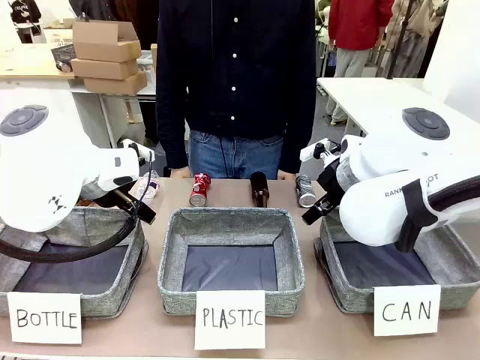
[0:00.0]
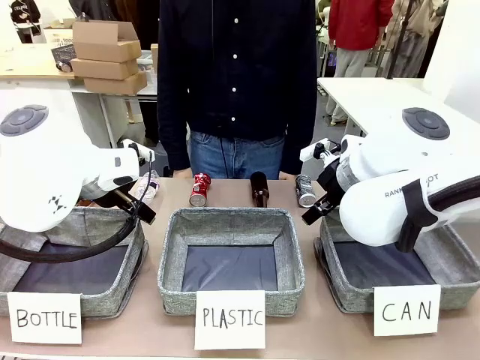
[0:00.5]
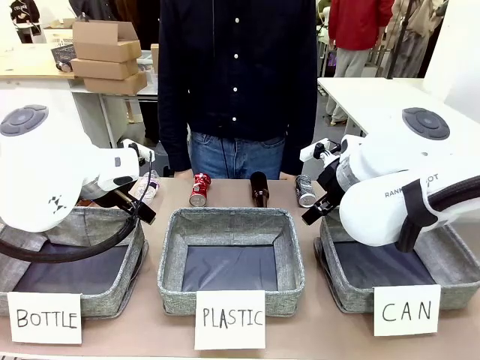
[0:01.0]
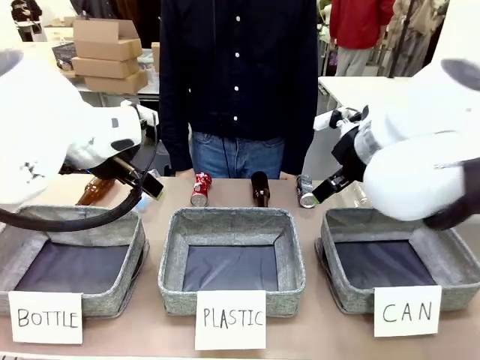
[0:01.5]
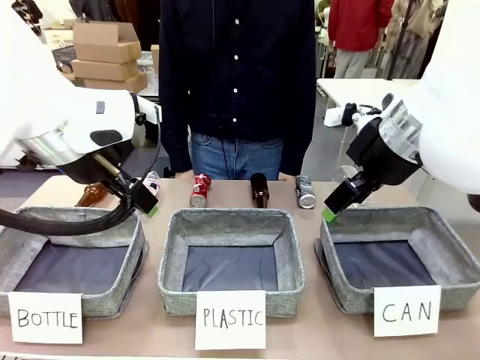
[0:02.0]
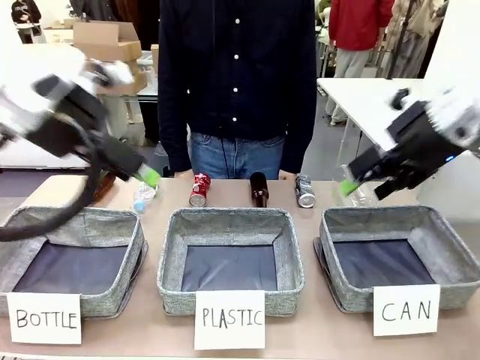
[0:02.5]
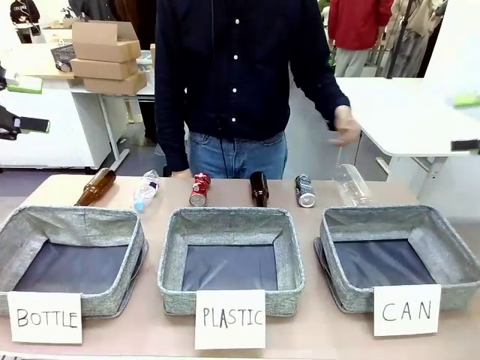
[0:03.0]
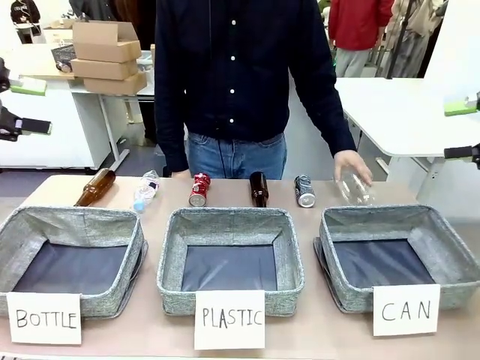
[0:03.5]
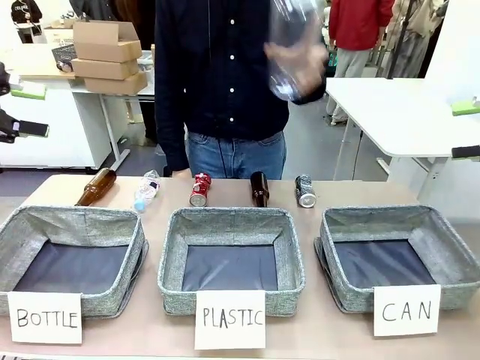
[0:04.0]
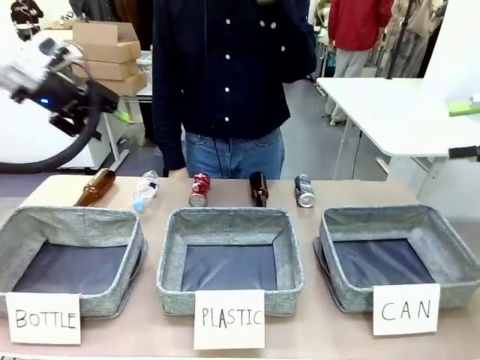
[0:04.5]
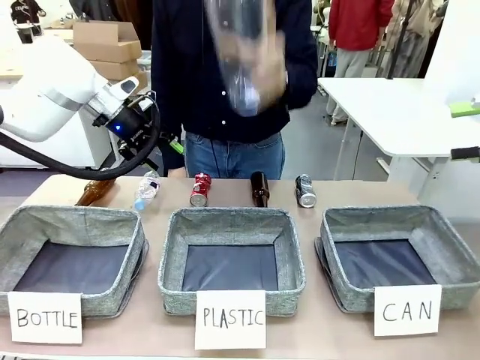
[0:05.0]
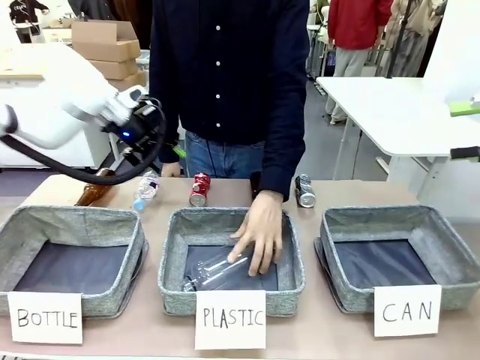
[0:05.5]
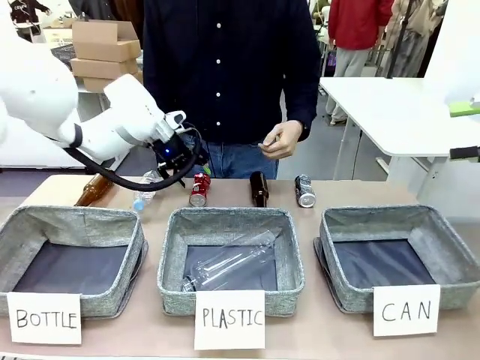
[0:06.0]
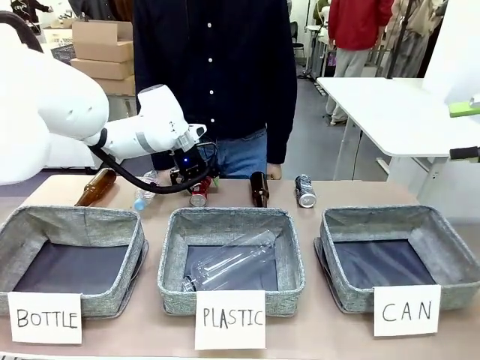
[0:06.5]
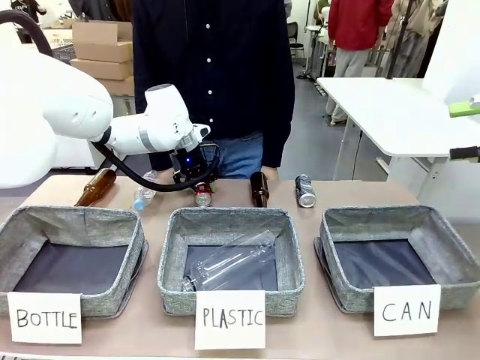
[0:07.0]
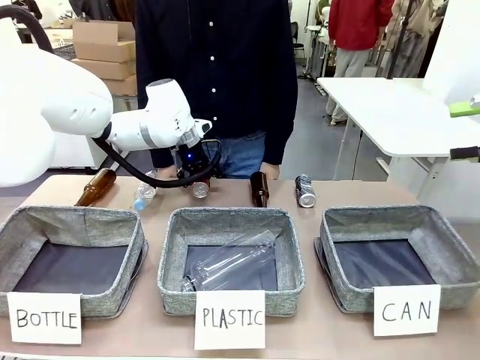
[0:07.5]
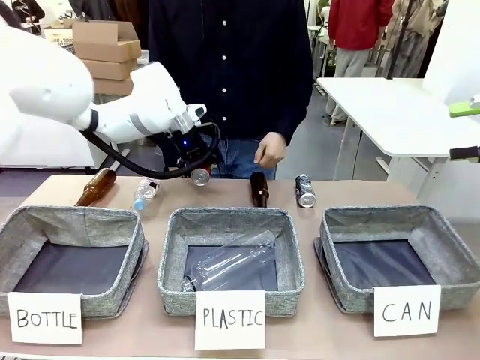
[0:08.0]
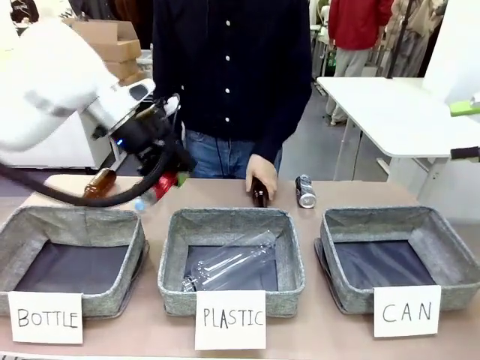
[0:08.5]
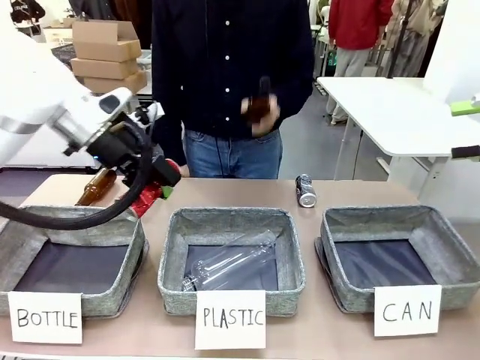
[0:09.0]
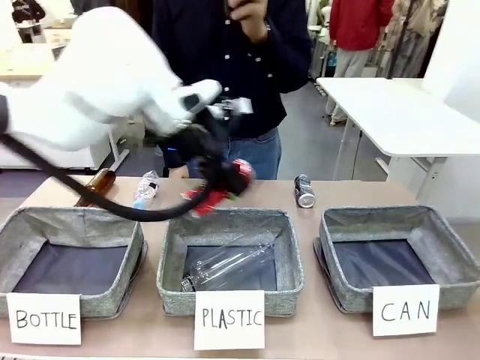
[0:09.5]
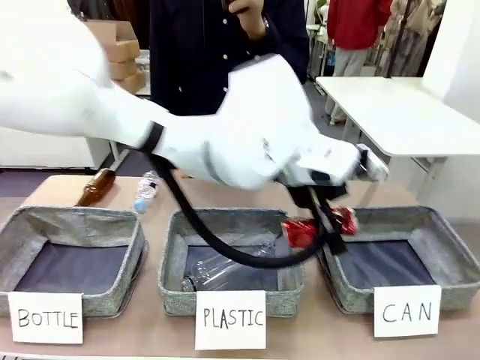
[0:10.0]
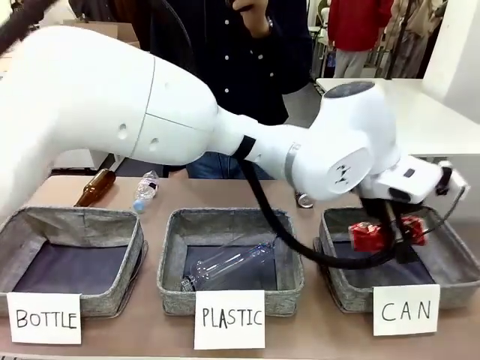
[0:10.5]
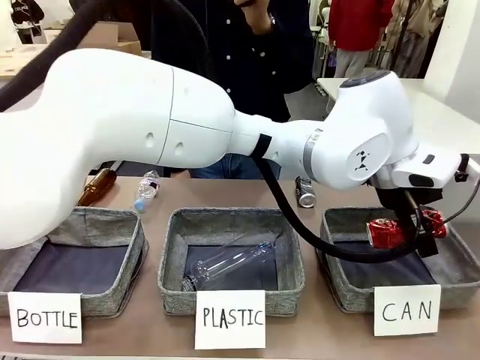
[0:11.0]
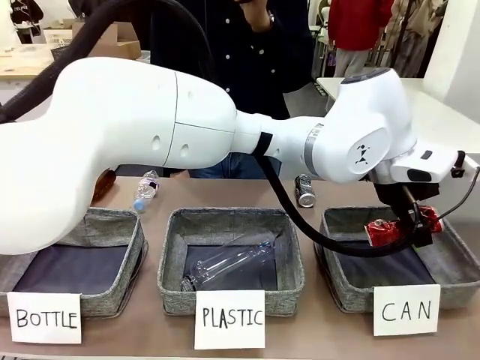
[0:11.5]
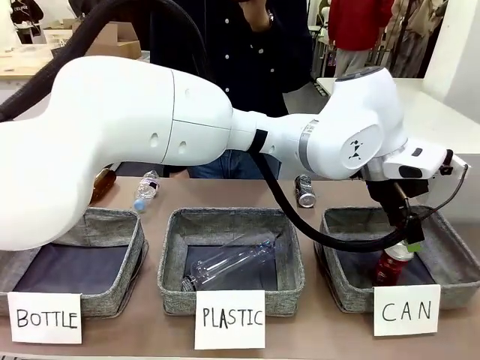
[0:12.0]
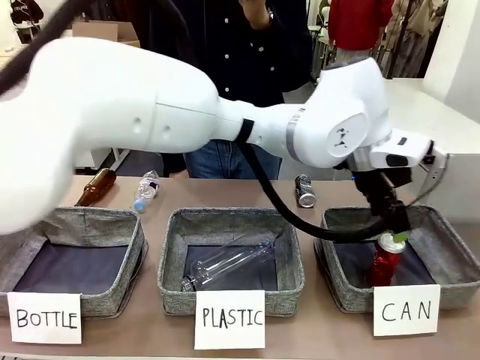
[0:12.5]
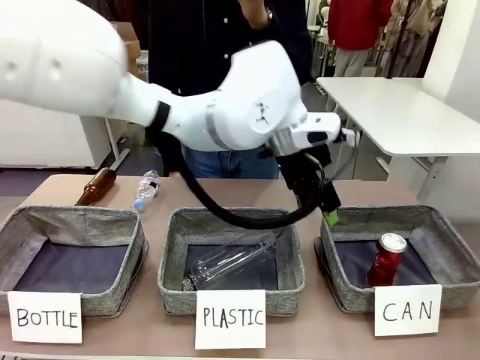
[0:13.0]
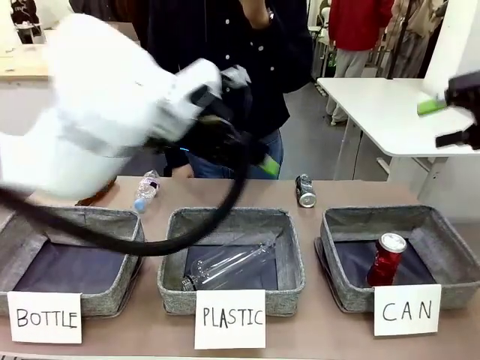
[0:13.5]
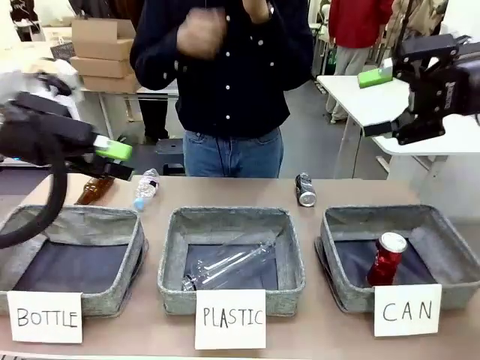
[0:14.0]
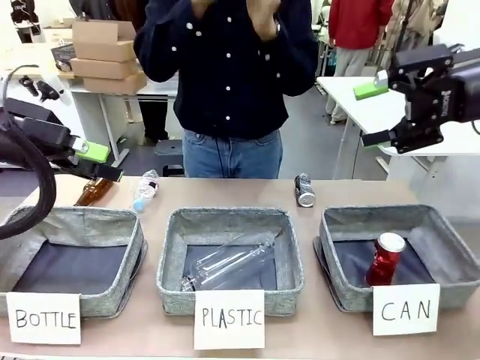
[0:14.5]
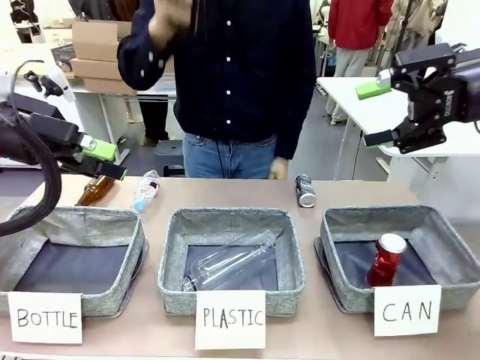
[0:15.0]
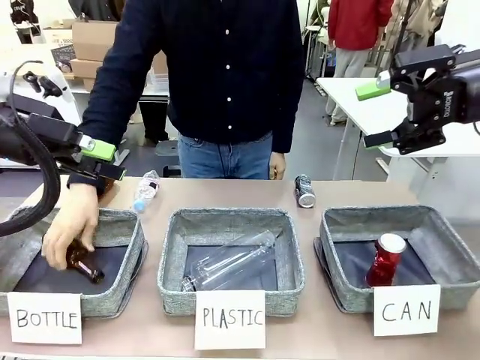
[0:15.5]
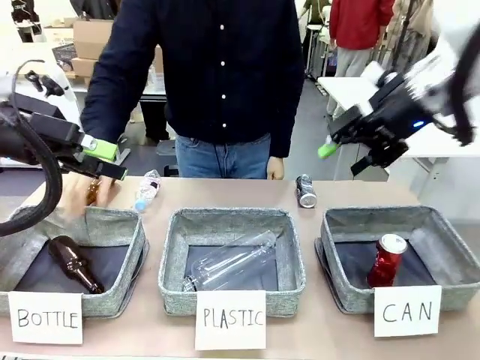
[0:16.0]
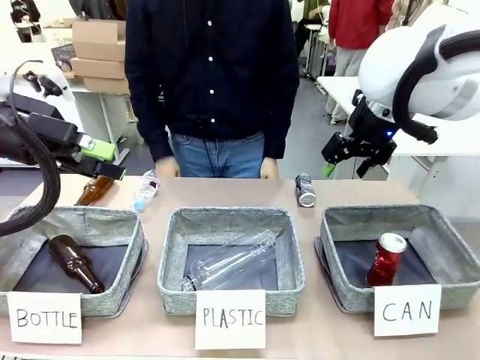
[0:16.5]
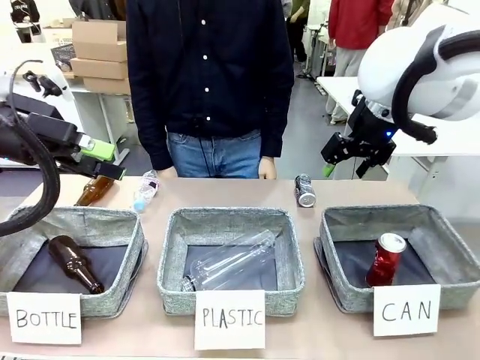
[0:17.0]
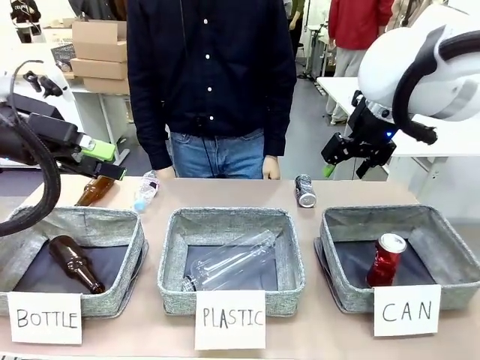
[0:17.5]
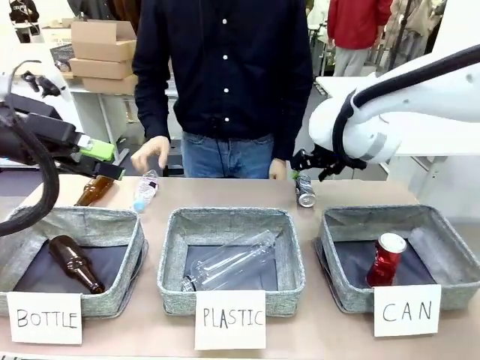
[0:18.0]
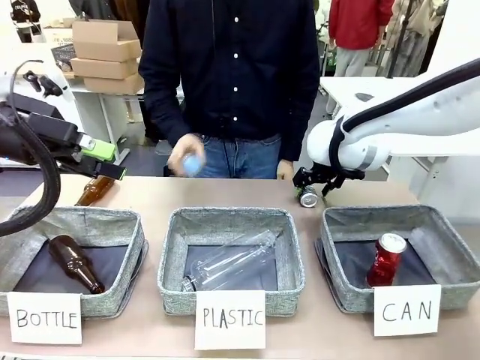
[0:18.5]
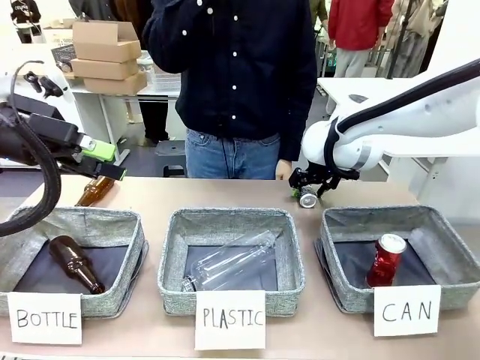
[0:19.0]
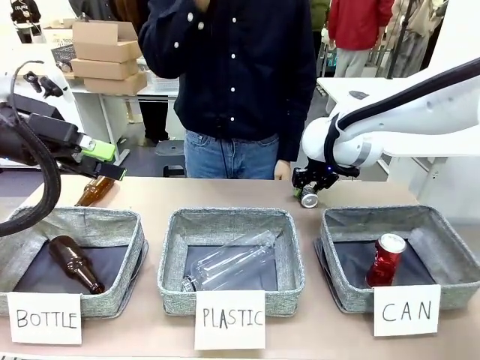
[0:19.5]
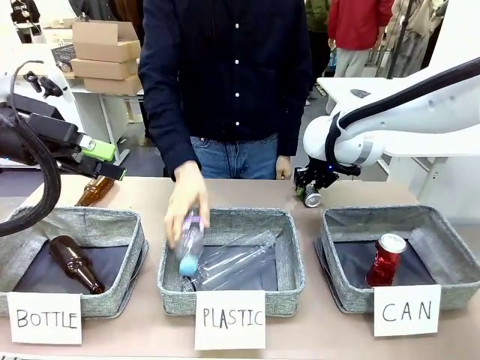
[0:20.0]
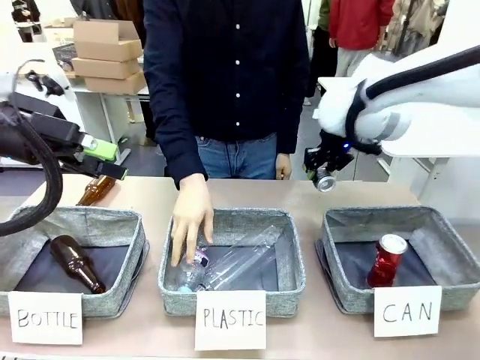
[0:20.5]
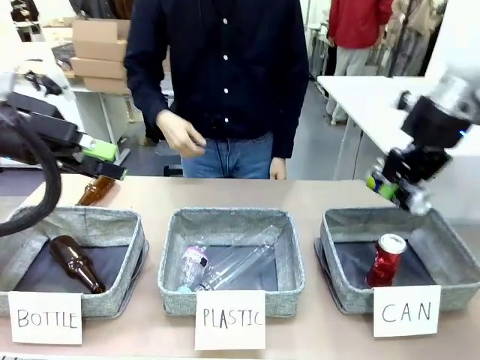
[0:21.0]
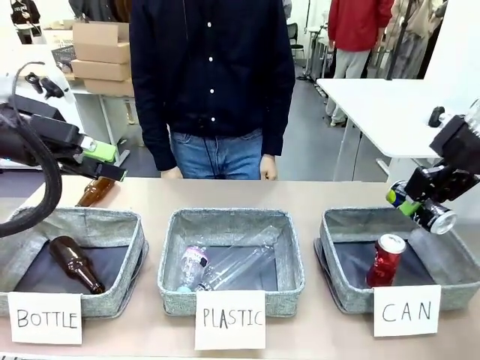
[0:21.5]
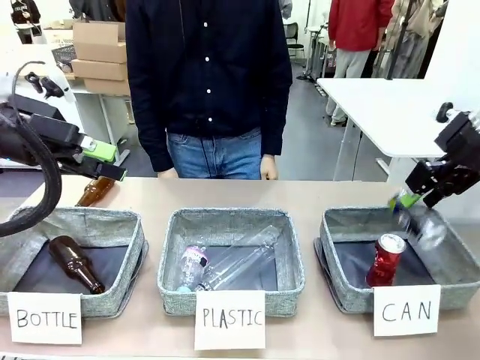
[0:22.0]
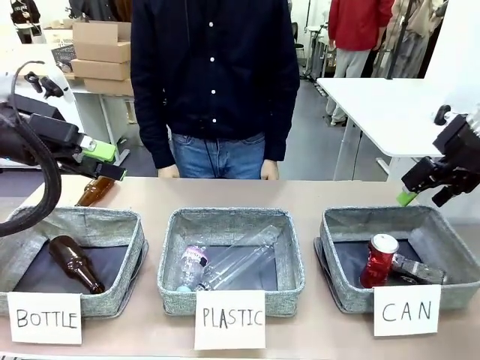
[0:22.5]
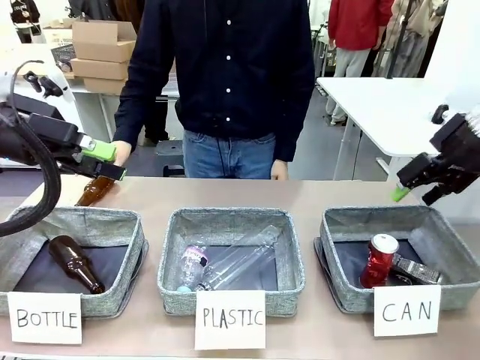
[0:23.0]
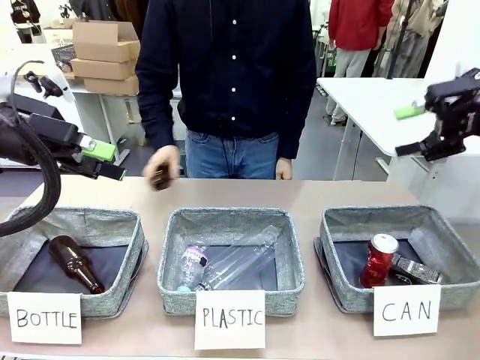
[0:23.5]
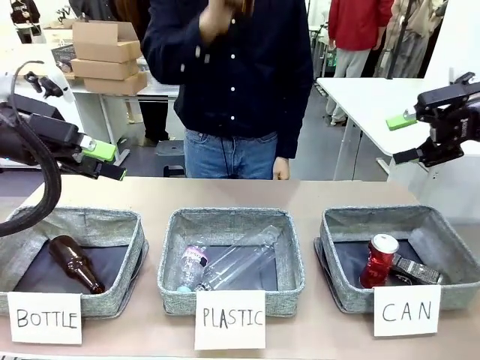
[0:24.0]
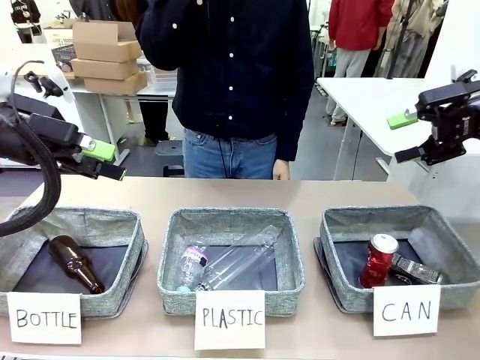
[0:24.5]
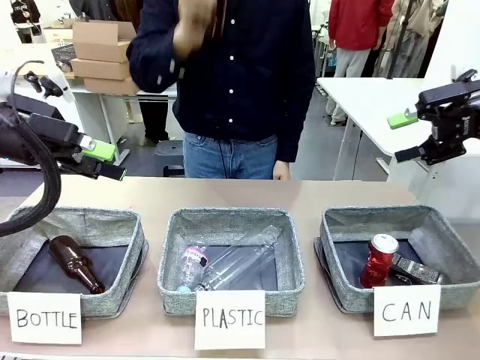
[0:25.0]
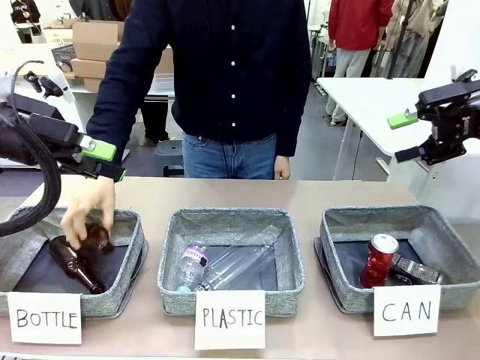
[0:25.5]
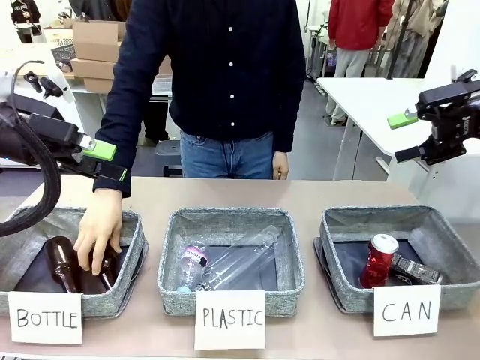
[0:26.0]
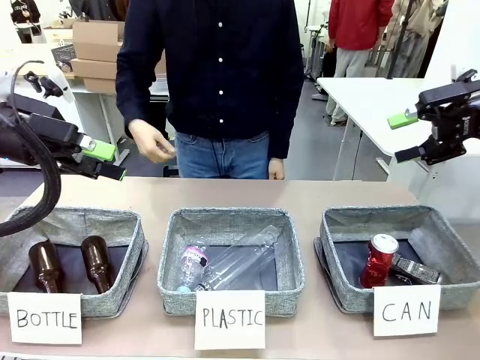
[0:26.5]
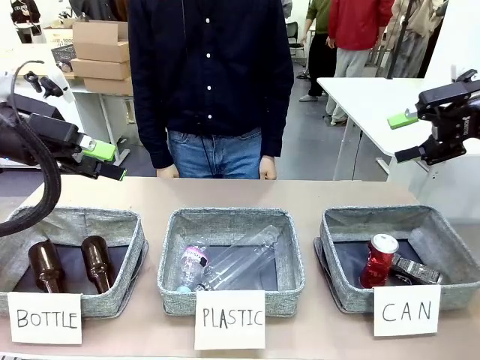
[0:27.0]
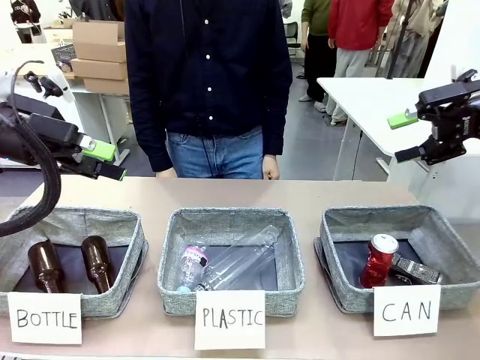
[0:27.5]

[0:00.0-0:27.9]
Task: Sort the can waste into the basket.
Robot: Pick up the can waste from the table and place it in the right Fabric basket.
Person: The human picks up one piece of trash that is not a can and places the trash into the appropriate organizing basket.
